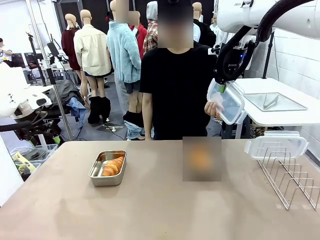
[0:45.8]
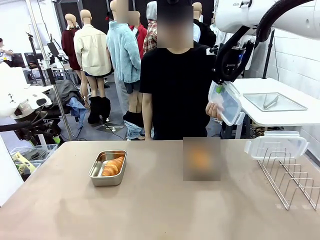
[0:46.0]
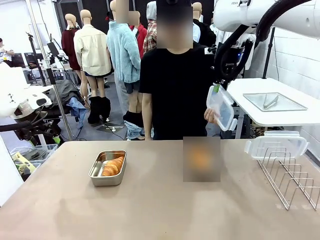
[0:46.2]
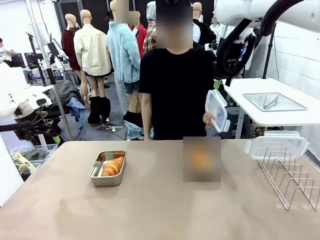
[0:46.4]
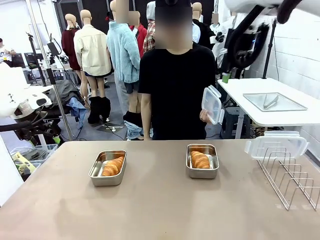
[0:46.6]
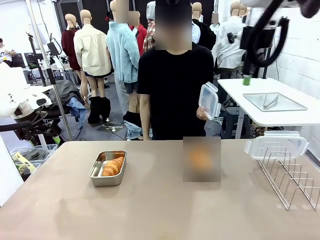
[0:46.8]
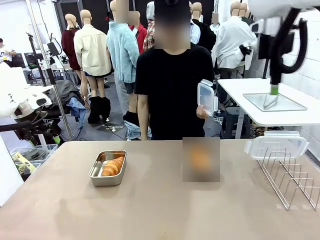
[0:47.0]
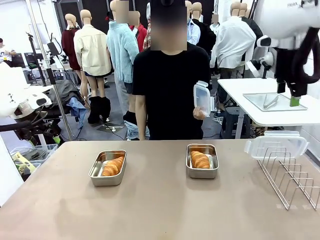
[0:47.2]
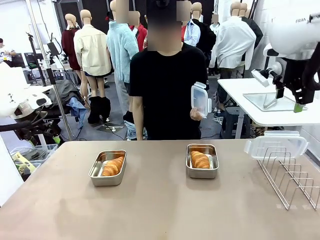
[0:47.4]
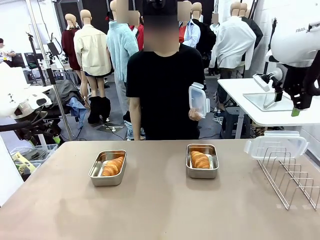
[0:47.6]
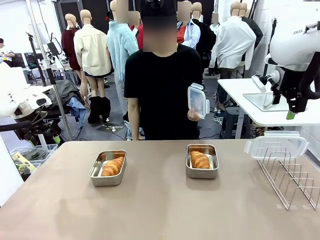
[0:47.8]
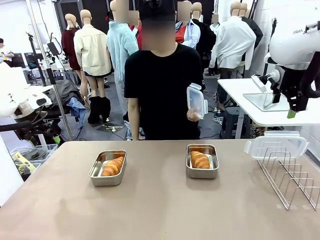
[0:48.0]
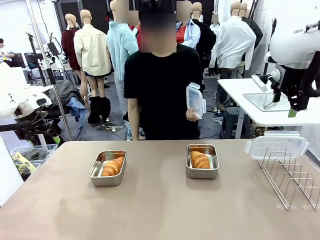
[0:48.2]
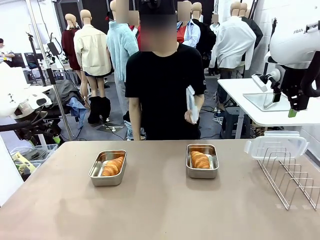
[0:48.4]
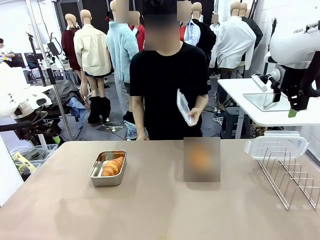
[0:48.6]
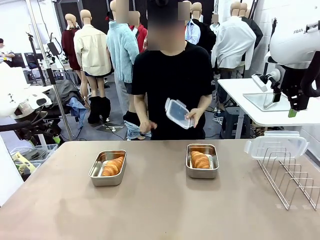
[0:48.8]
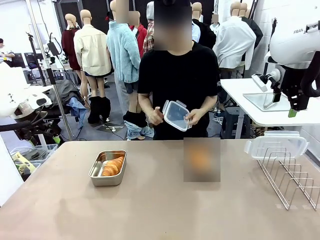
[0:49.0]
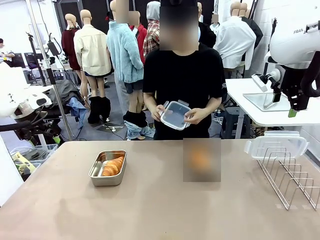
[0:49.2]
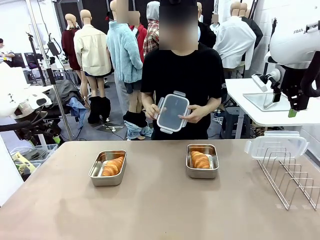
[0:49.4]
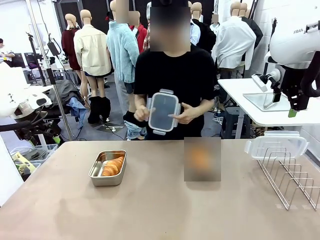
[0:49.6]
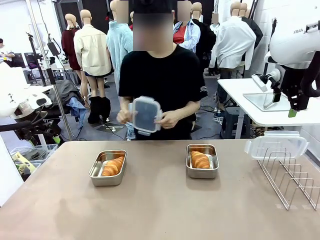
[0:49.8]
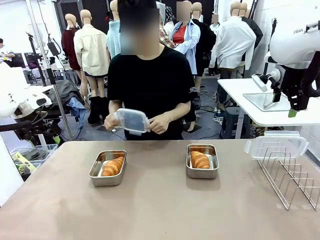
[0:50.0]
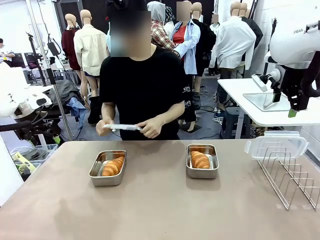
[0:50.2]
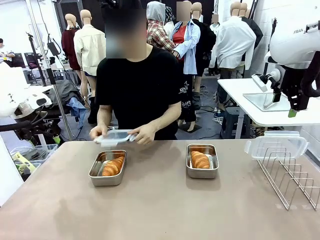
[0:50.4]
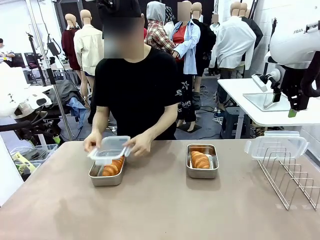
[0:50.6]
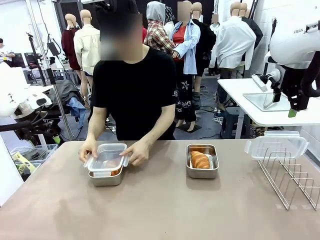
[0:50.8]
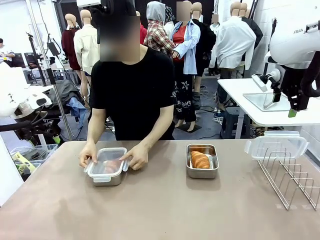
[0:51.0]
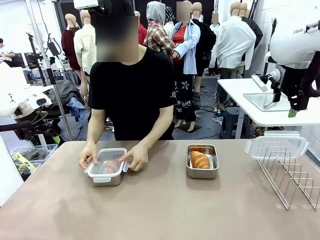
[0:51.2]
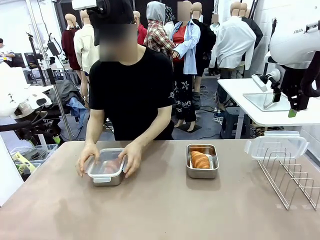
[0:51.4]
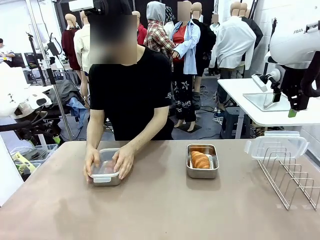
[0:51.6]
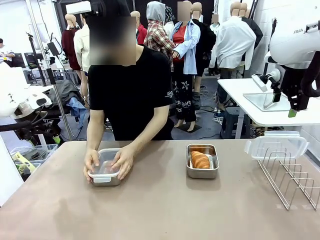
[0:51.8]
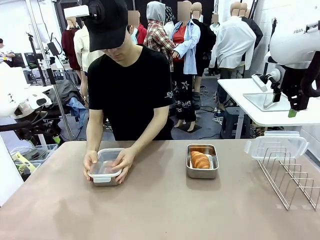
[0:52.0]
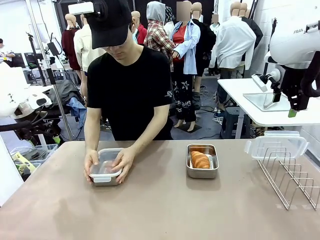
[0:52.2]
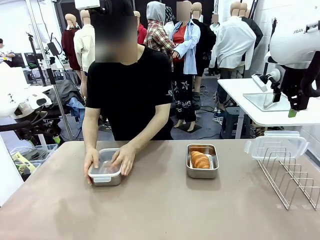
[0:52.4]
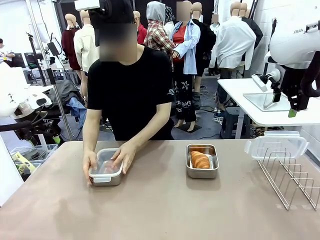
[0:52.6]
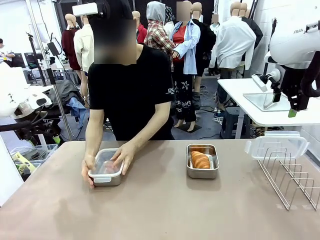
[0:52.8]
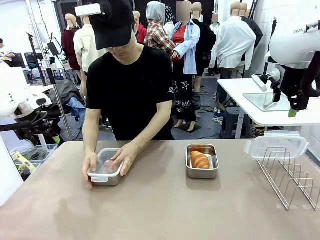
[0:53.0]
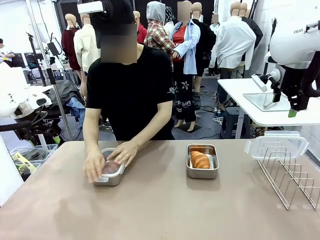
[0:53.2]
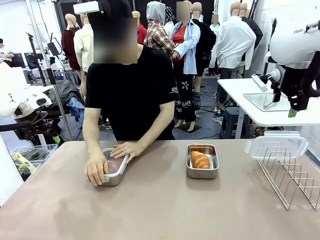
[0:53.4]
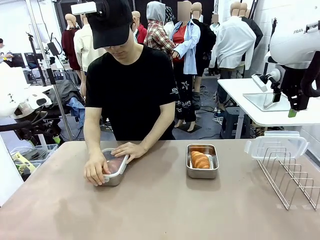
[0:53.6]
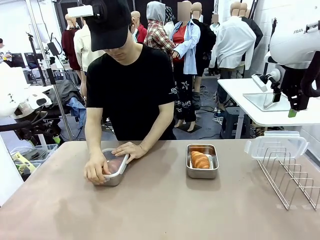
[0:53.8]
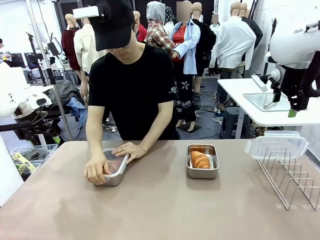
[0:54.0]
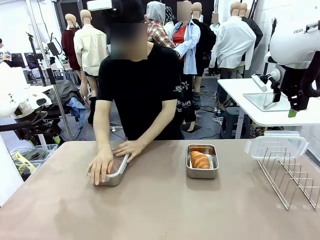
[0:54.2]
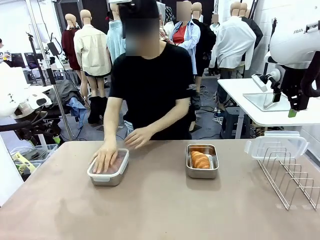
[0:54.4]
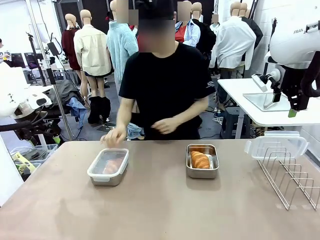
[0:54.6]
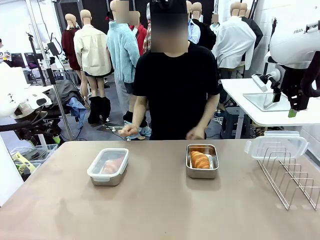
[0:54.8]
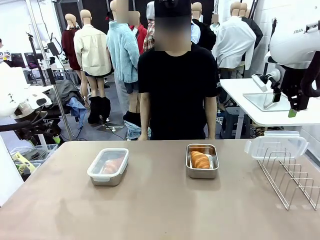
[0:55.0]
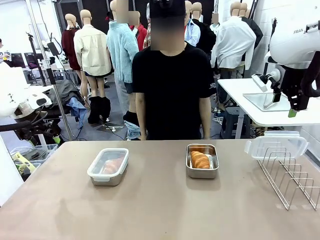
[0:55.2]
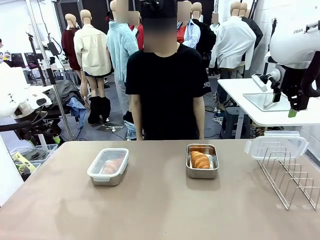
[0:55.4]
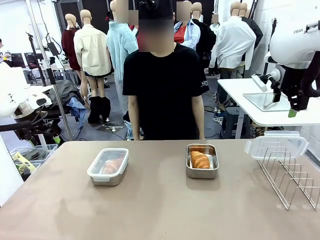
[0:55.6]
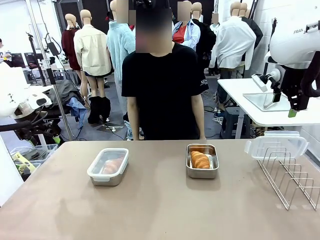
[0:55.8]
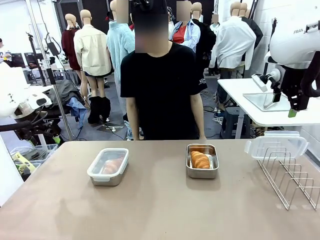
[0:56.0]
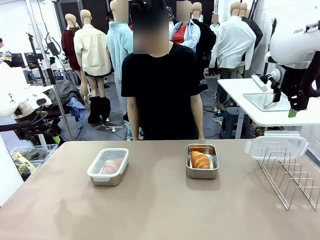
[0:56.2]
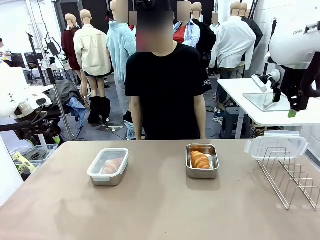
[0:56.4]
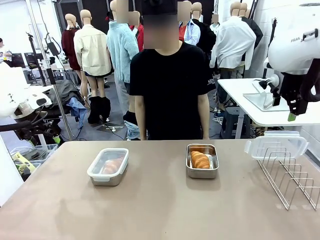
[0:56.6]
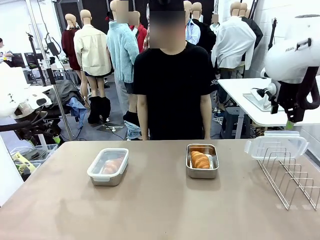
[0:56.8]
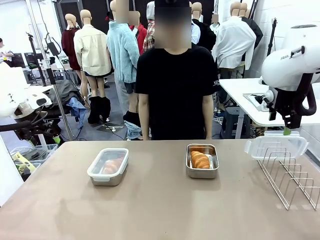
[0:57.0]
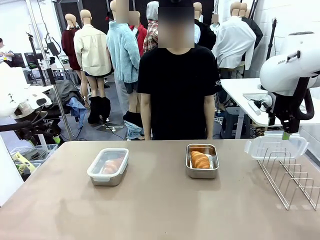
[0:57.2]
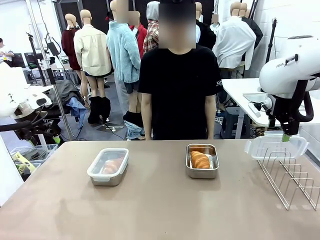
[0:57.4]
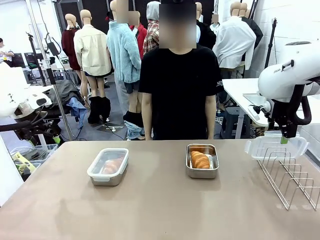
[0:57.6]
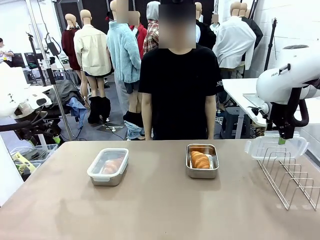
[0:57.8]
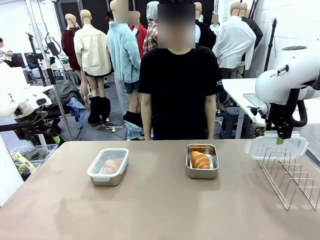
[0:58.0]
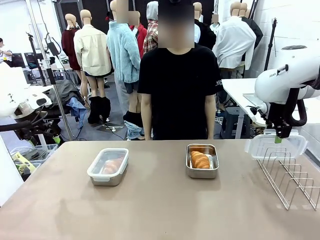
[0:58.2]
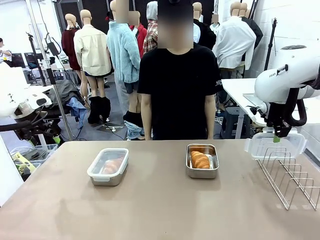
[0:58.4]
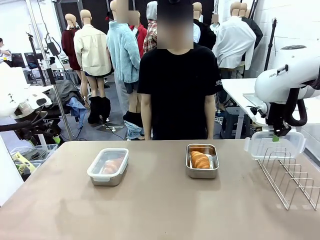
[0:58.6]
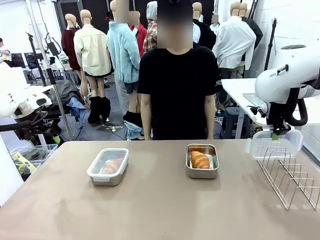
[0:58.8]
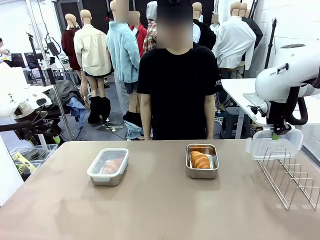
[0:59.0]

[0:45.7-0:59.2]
Task: Place the bread in airtight containers.
Robot: Pick up one Airtight Container lid and hand it to the human.
Person: Close Airtight Container with a handed Airtight Container lid.

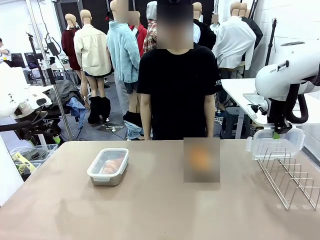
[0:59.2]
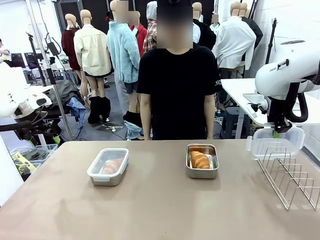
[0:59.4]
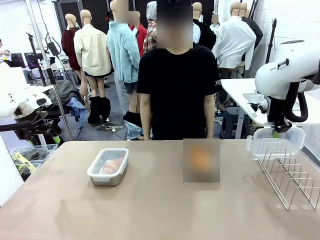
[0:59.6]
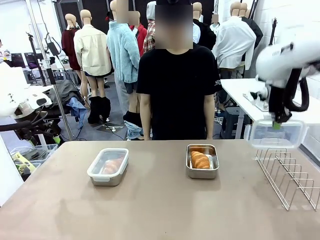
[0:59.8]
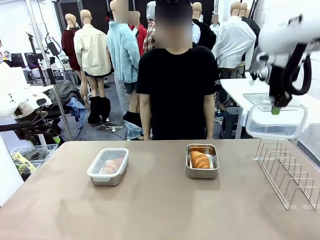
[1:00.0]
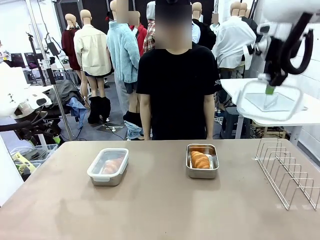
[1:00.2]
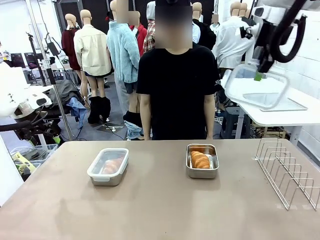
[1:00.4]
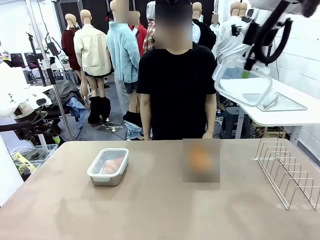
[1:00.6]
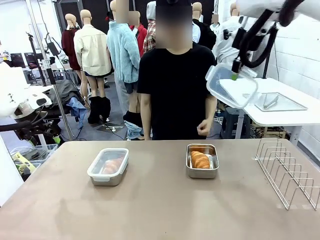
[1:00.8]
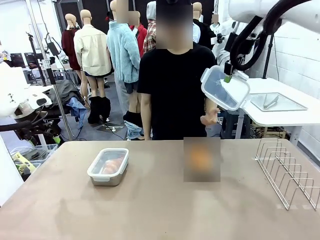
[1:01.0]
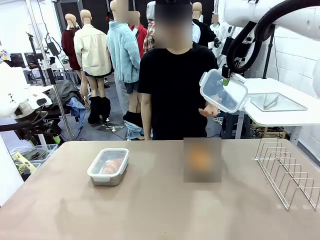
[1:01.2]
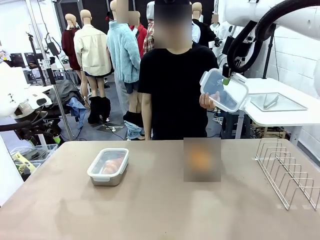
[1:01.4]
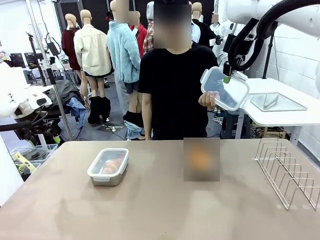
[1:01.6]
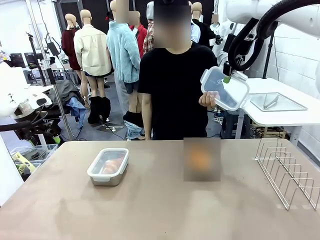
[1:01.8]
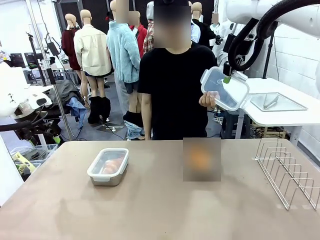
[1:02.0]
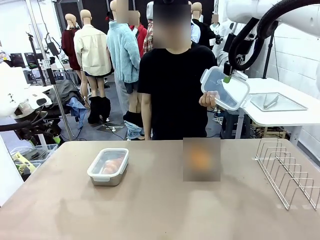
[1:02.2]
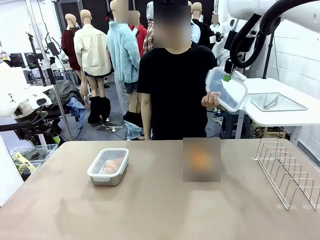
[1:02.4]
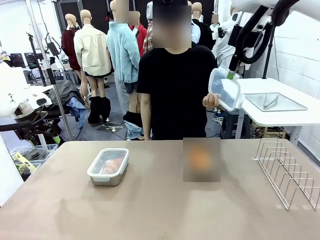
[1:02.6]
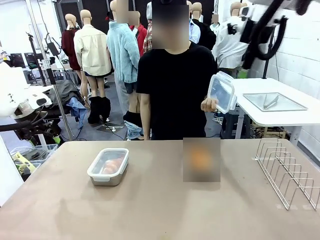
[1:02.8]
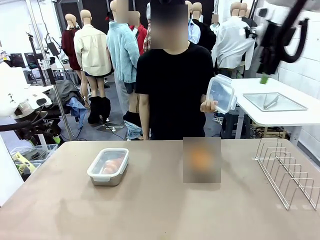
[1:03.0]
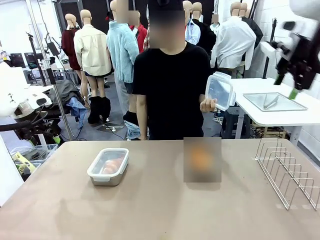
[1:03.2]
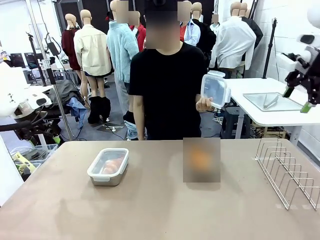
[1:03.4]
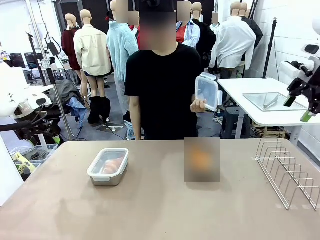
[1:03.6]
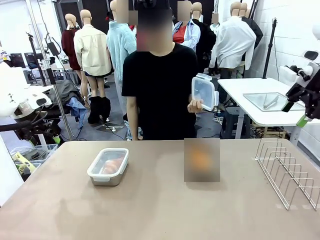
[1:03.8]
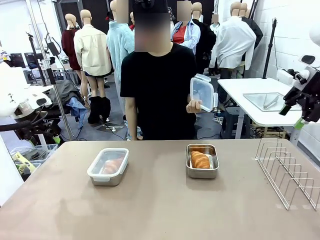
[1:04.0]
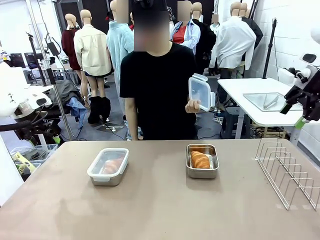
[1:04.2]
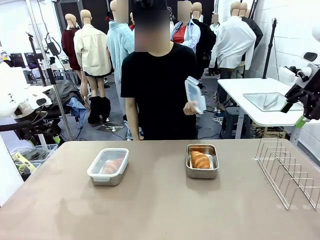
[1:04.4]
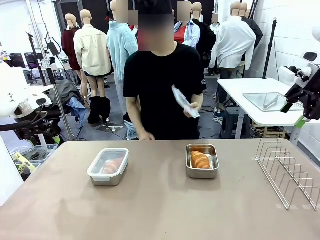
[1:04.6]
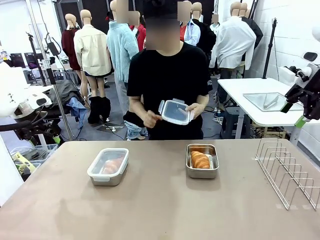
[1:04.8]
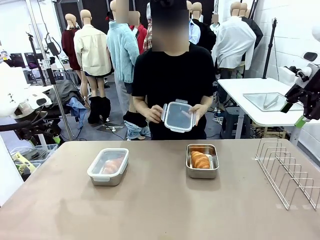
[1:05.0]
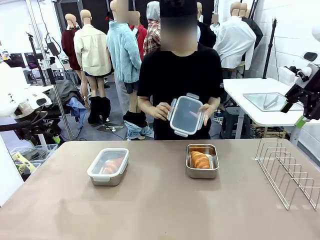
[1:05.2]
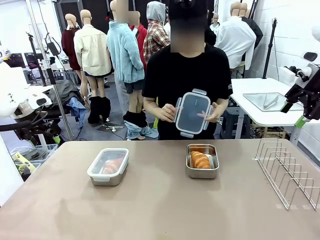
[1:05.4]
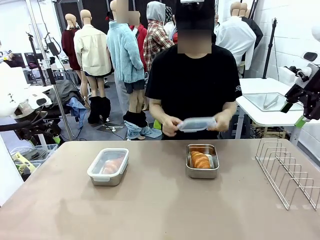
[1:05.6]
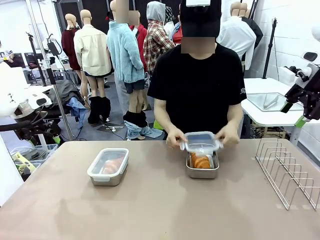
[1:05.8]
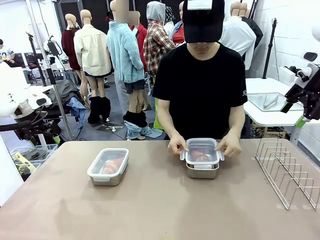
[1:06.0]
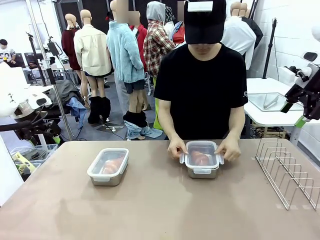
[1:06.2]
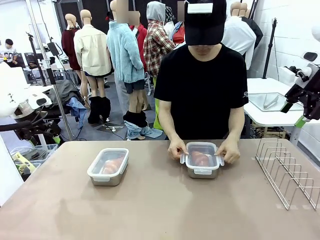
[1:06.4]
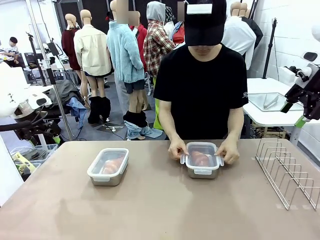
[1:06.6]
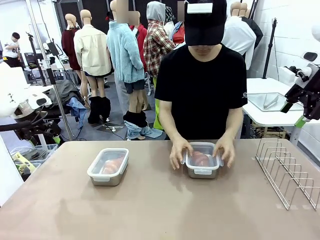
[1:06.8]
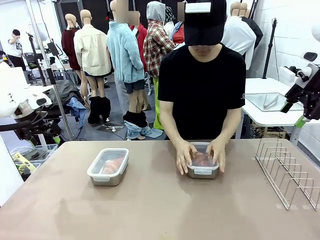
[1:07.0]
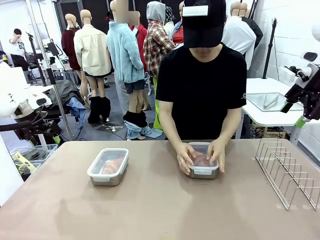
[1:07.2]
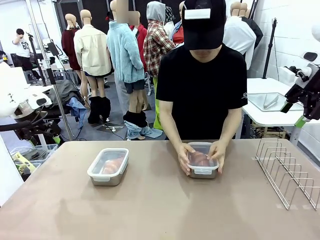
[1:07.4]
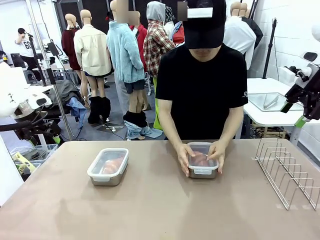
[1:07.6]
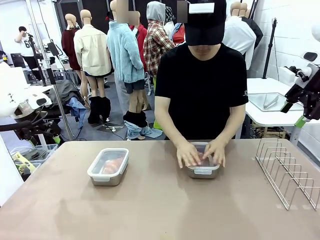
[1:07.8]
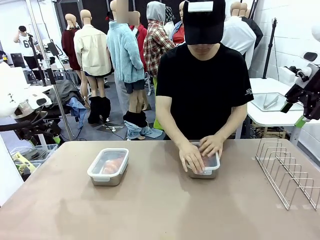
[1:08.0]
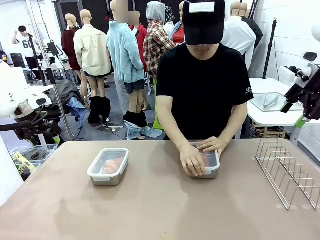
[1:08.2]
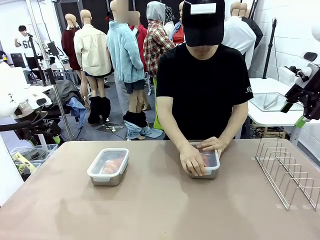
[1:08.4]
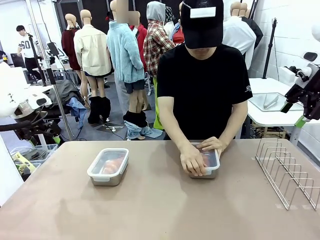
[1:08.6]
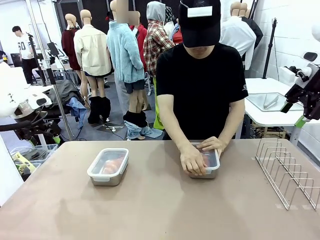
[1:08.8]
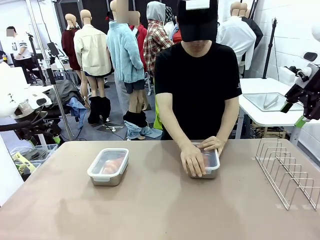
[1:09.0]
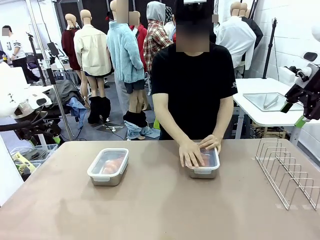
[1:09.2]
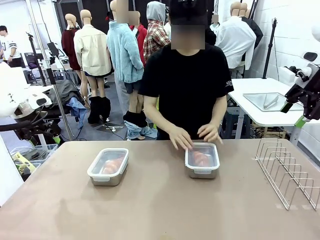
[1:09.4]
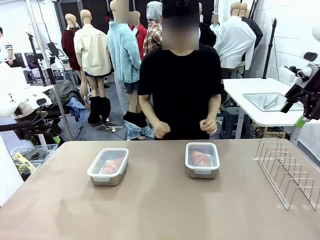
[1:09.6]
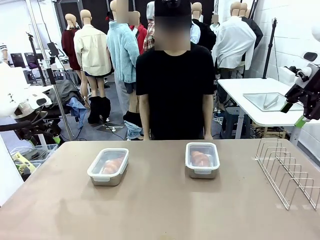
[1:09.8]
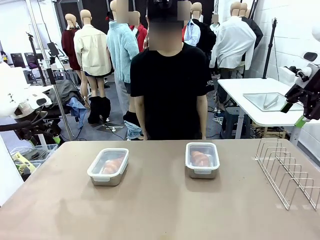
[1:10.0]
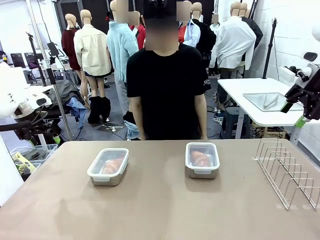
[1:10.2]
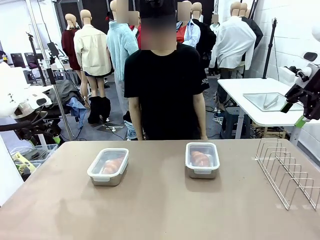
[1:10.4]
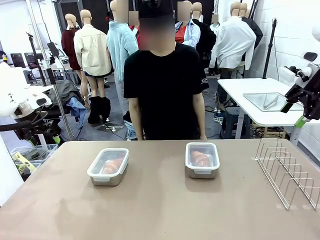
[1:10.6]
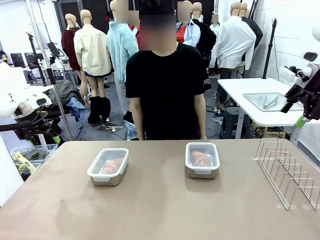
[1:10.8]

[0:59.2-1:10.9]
Robot: Release when the human grabs the Airtight Container lid.
Person: Grip Airtight Container lid that robot is handing. Close Airtight Container with a handed Airtight Container lid.
